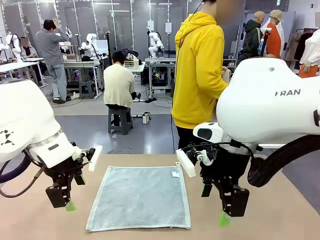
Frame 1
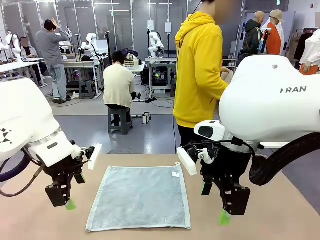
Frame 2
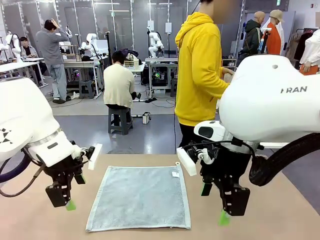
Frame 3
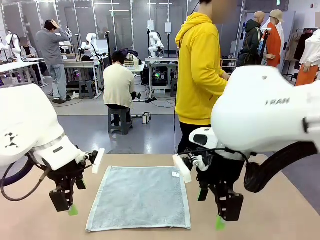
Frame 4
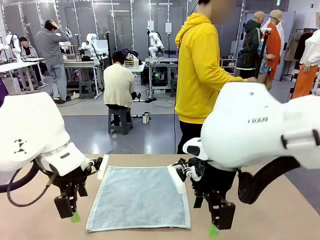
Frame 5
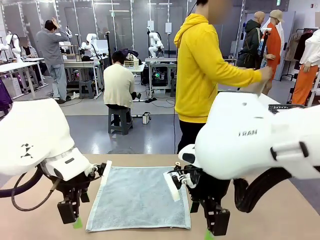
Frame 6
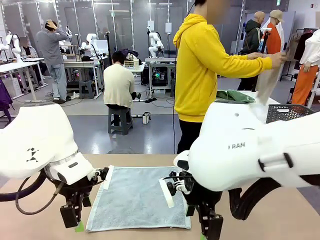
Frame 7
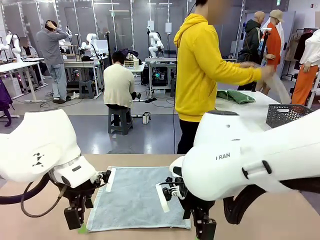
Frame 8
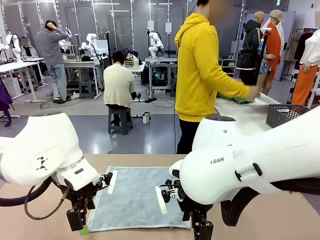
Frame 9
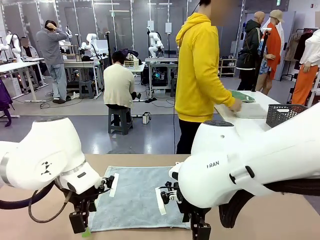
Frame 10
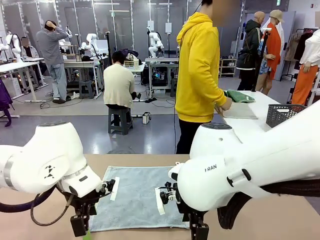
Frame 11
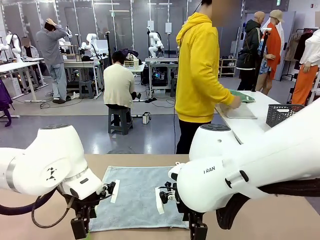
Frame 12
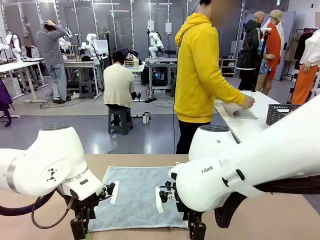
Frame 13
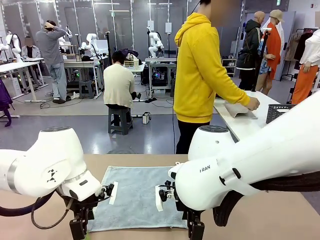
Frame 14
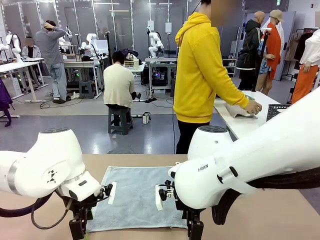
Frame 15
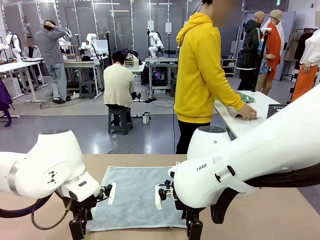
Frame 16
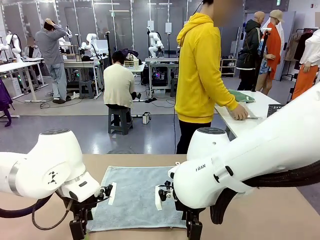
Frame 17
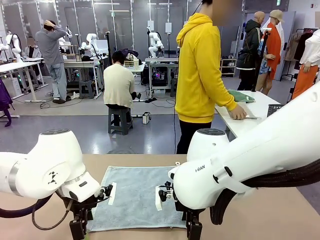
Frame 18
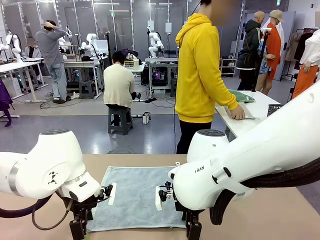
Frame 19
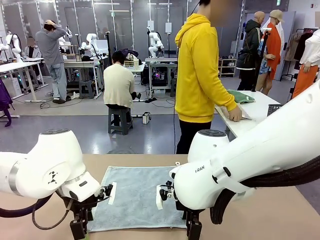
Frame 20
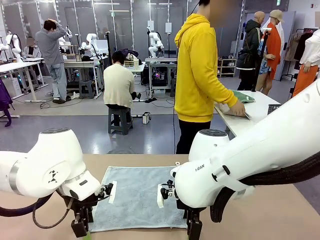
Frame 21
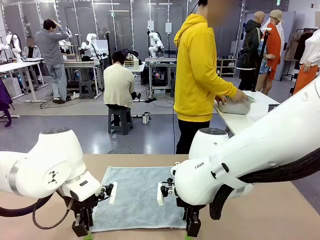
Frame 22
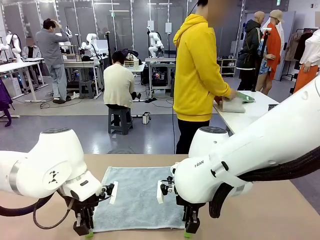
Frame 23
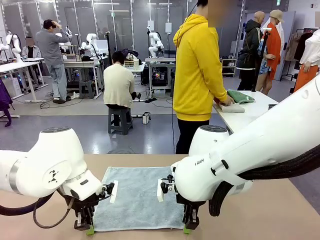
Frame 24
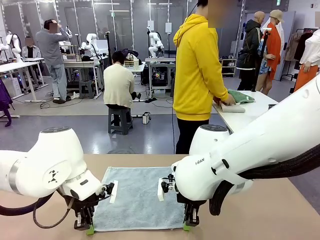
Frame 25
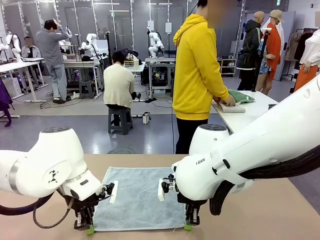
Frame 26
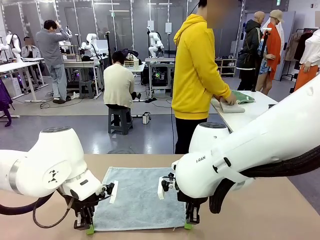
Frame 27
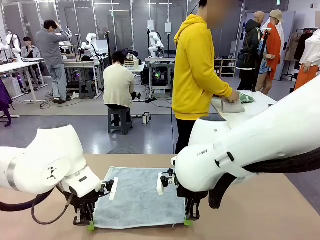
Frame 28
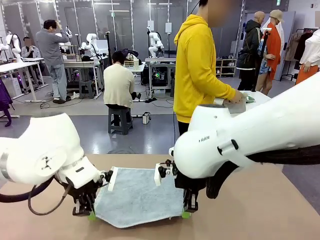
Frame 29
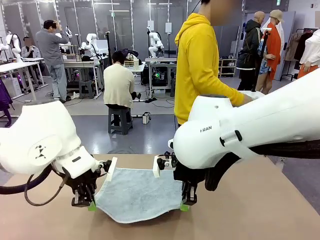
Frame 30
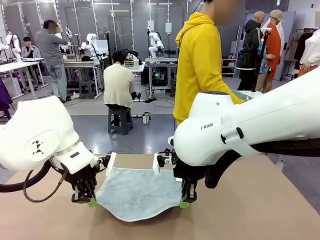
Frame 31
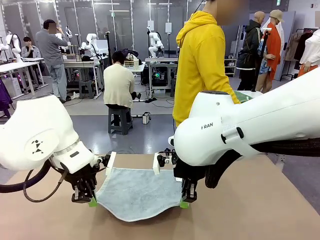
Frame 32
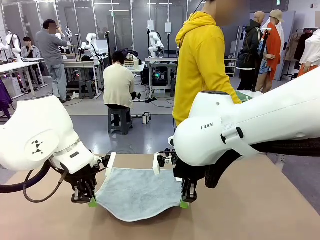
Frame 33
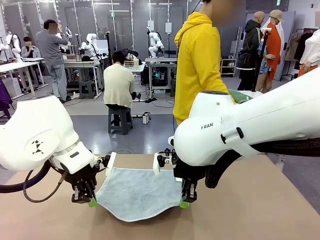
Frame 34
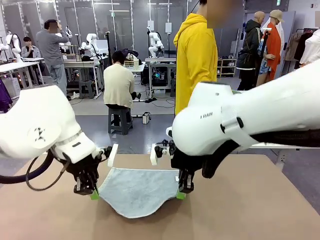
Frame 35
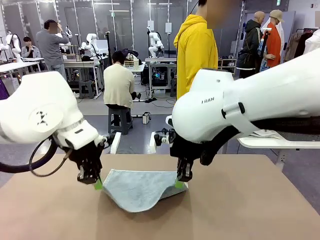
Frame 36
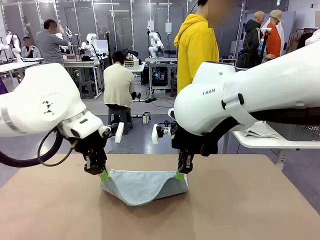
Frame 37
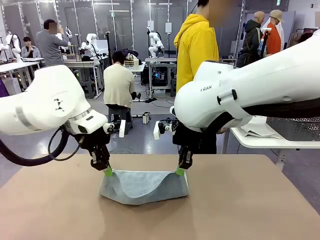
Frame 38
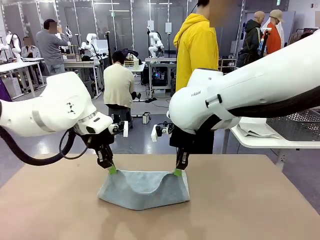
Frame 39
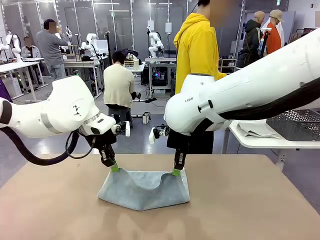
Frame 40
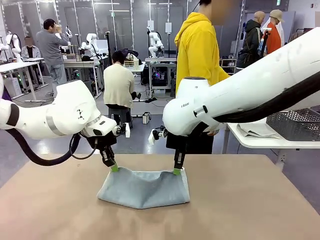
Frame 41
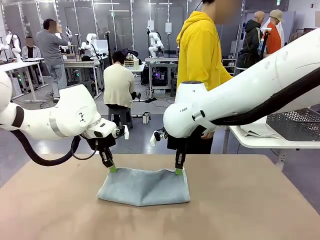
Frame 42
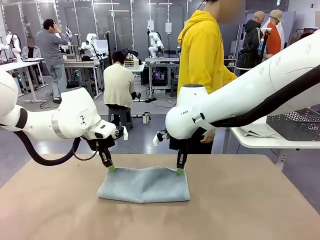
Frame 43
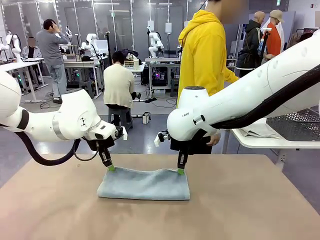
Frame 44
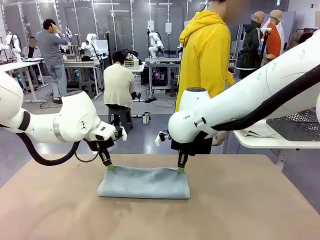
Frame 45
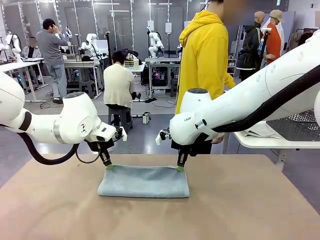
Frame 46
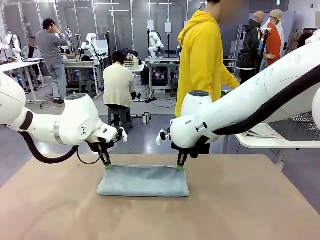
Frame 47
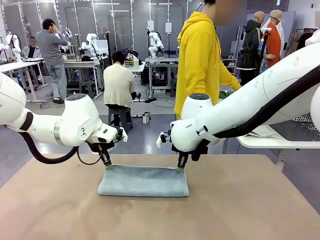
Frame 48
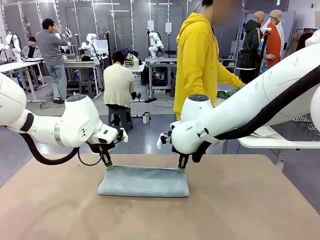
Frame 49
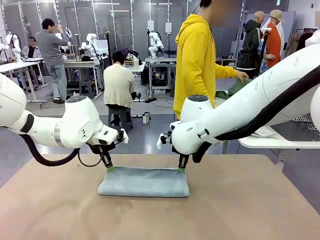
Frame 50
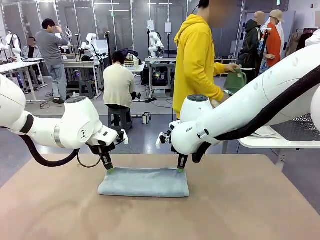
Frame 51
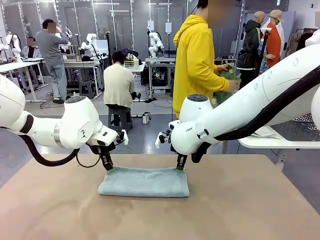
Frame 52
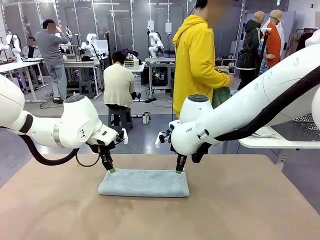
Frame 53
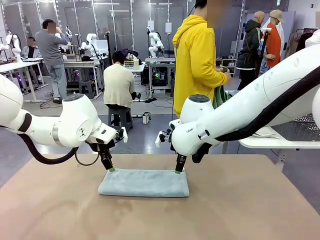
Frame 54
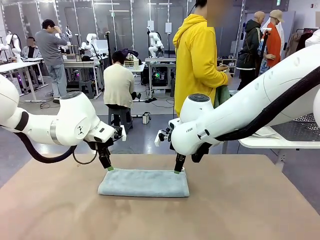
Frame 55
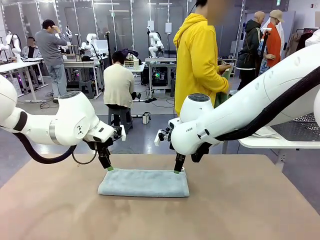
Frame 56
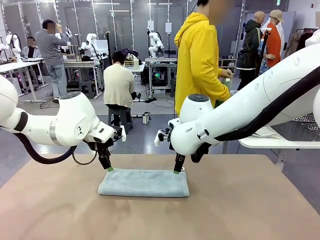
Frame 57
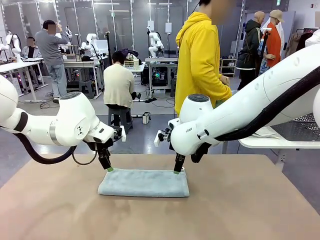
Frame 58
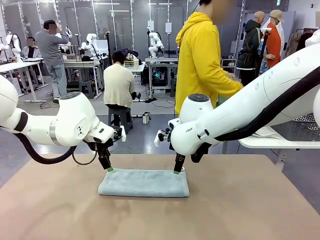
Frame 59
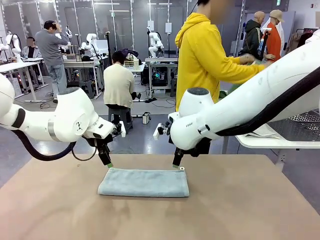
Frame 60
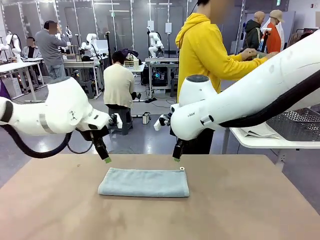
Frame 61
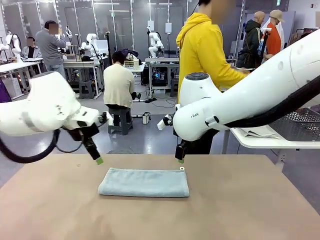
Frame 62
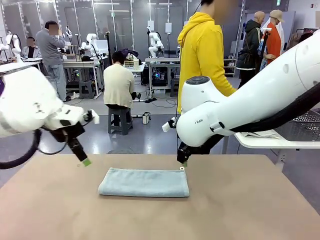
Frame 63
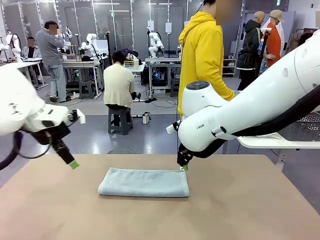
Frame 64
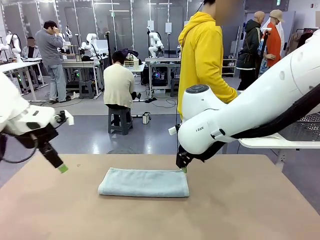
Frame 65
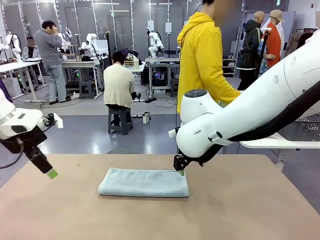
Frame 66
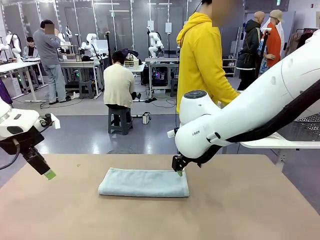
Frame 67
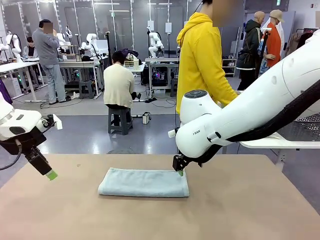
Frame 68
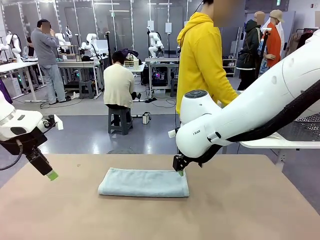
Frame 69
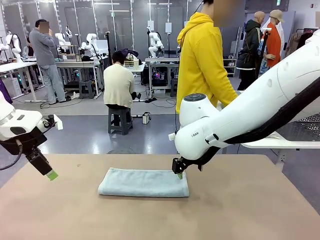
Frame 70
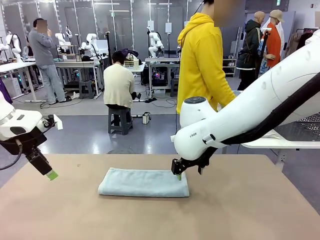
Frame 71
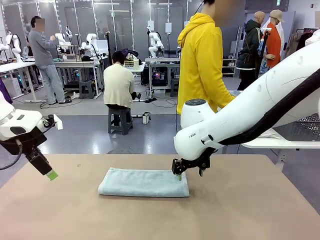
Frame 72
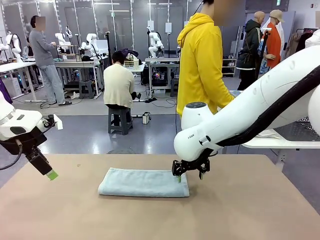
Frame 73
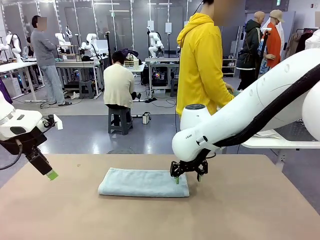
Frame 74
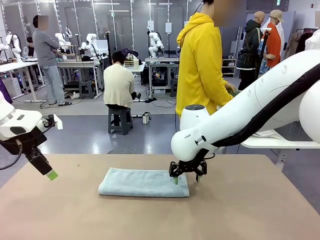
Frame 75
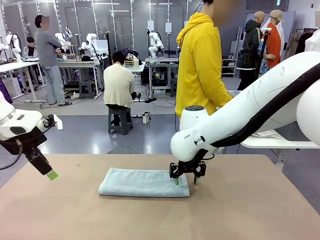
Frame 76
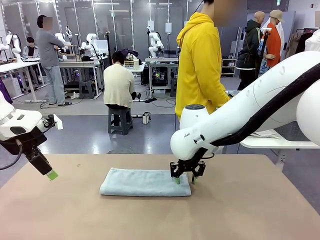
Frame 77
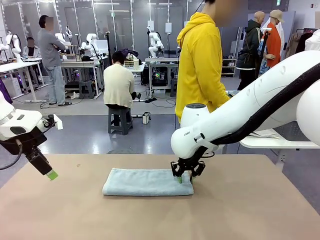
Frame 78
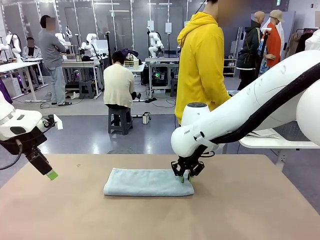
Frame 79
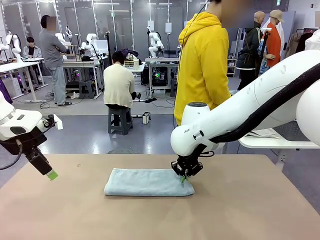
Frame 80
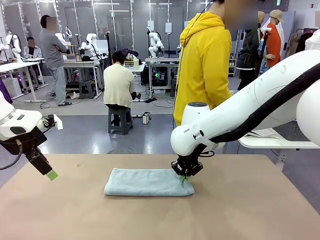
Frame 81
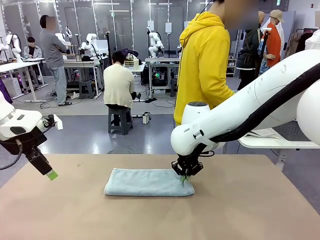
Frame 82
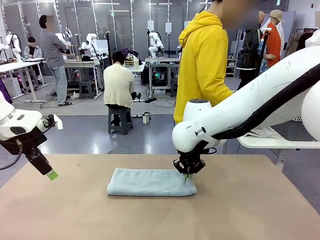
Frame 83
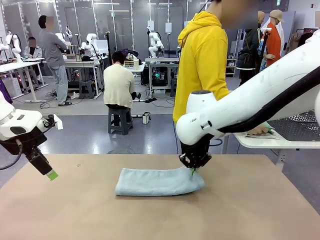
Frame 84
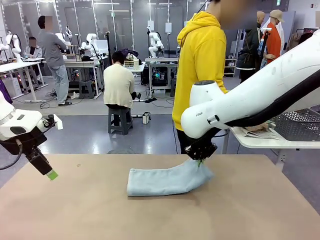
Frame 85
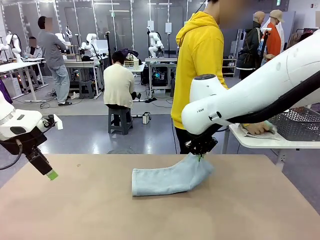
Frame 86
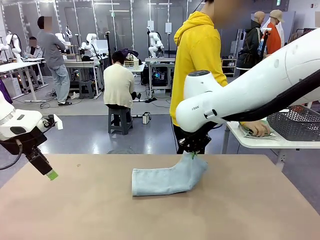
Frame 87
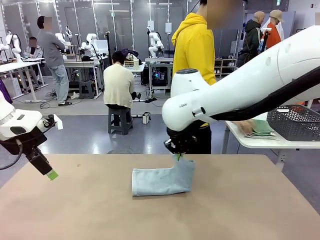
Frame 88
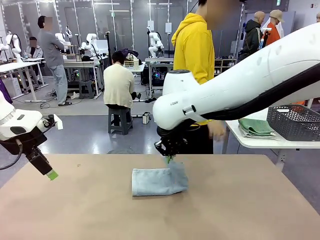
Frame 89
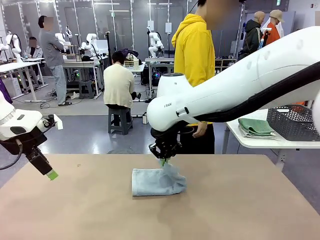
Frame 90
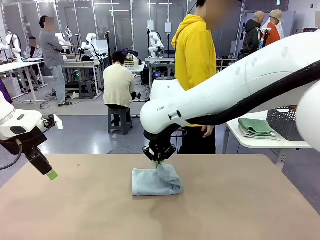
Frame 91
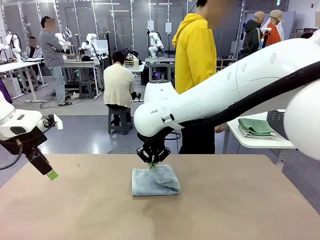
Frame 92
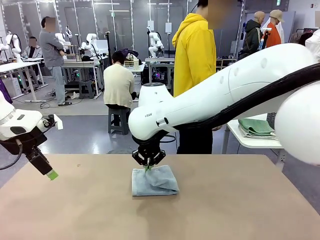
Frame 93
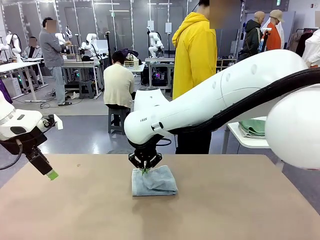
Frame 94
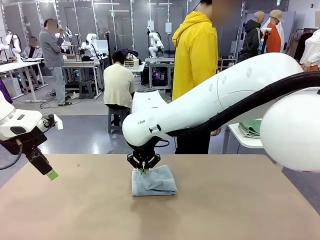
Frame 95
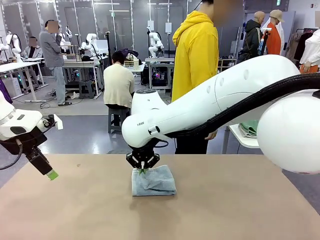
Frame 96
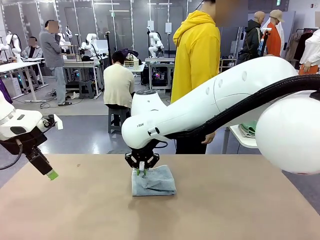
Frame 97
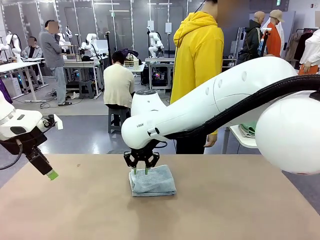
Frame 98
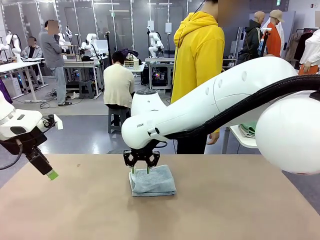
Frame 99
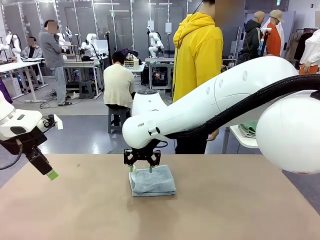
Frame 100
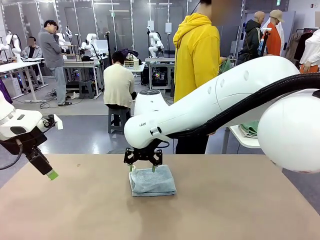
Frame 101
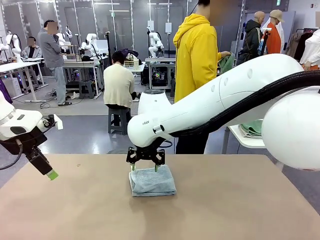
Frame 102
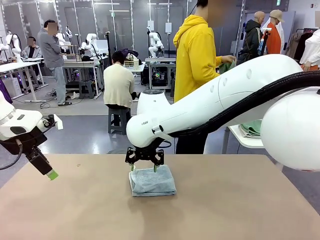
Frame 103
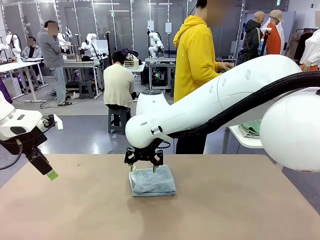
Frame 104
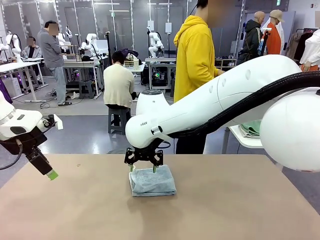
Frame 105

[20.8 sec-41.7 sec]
Task: Fold the towels and place them in the basket.
Robot: When a person lays out a Towel with hook on the table, fold it in half twice.
Person: Pick up one towel from the left side of the human table, fold it in half twice, and place it on the right side of the table. Pick up one towel from the left side of the human table, fold it in half twice, and stack it on the right side of the table.
